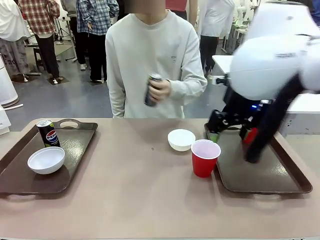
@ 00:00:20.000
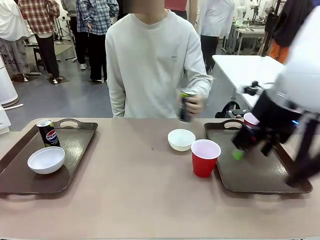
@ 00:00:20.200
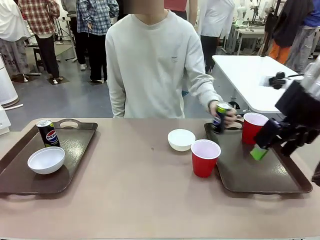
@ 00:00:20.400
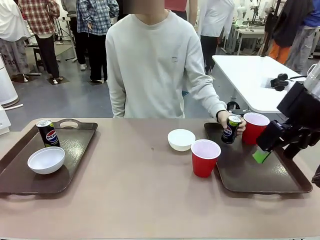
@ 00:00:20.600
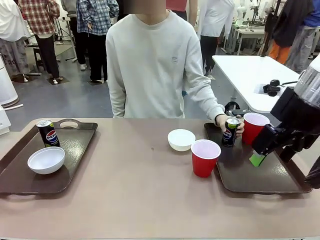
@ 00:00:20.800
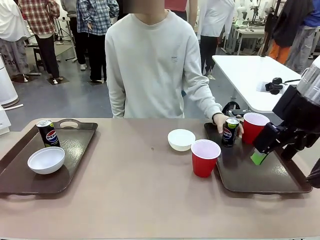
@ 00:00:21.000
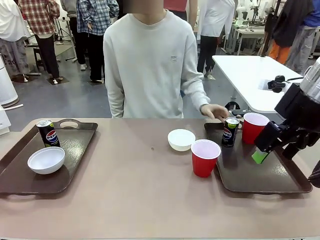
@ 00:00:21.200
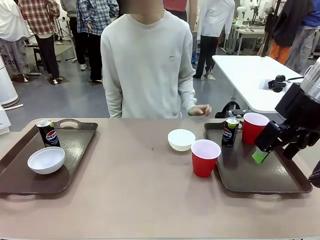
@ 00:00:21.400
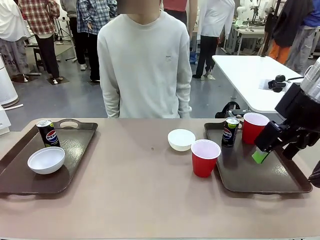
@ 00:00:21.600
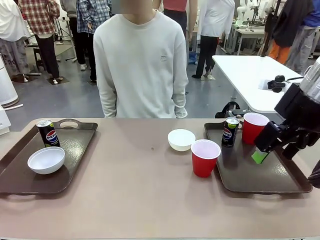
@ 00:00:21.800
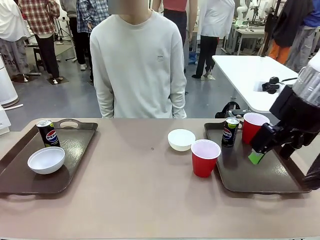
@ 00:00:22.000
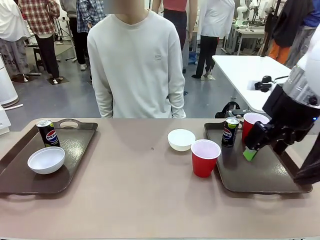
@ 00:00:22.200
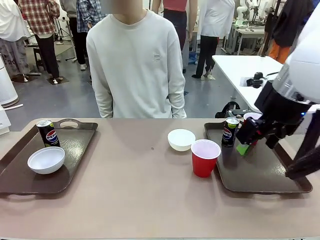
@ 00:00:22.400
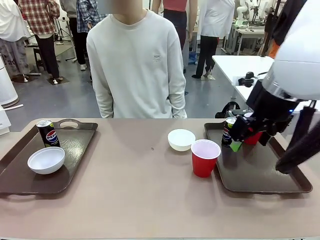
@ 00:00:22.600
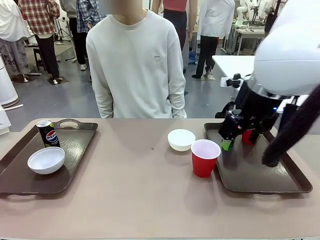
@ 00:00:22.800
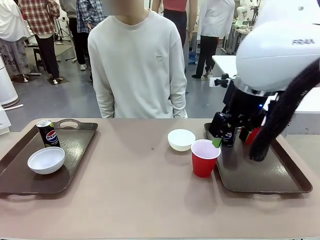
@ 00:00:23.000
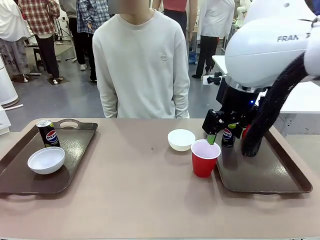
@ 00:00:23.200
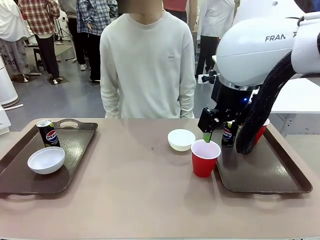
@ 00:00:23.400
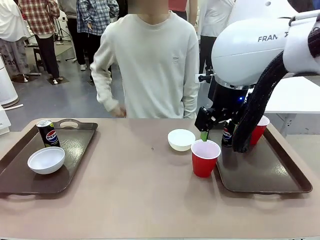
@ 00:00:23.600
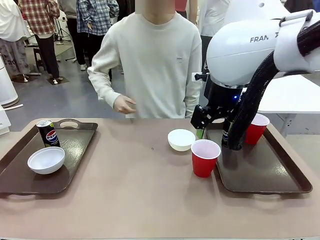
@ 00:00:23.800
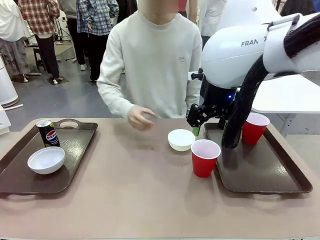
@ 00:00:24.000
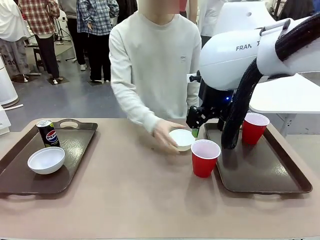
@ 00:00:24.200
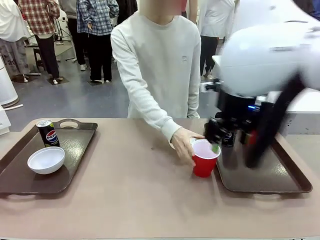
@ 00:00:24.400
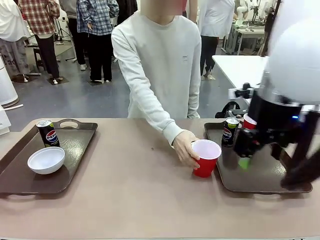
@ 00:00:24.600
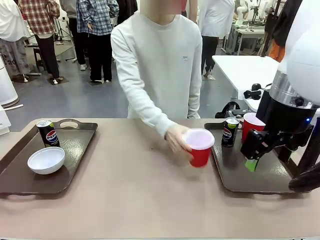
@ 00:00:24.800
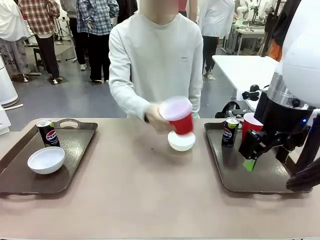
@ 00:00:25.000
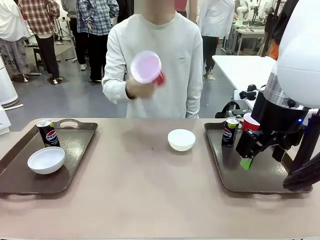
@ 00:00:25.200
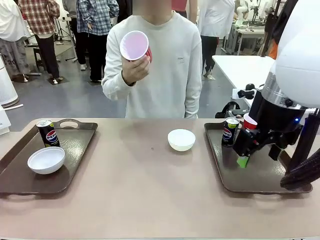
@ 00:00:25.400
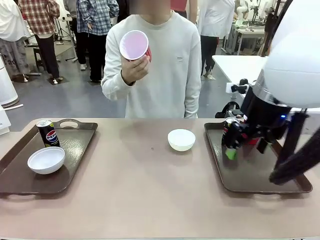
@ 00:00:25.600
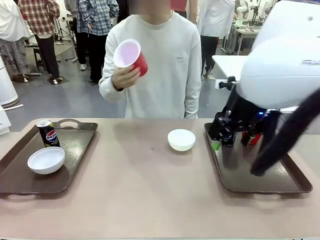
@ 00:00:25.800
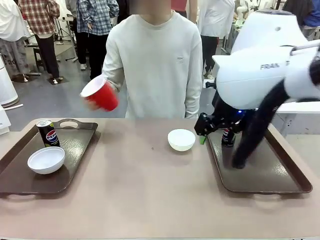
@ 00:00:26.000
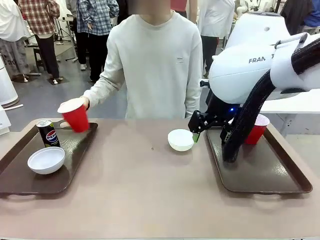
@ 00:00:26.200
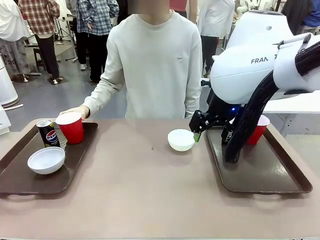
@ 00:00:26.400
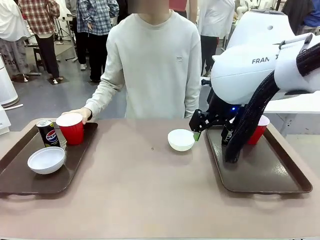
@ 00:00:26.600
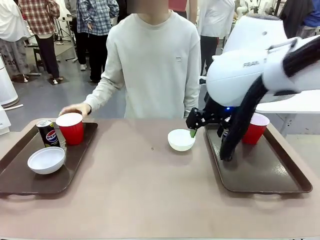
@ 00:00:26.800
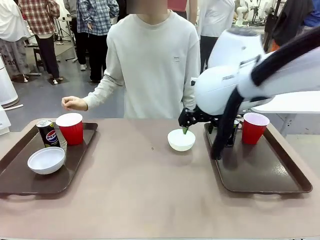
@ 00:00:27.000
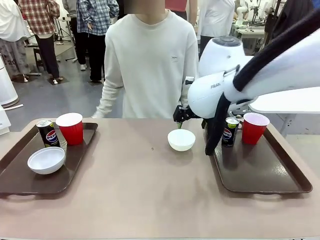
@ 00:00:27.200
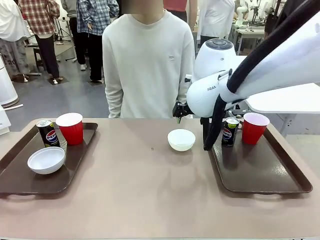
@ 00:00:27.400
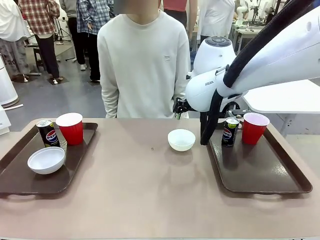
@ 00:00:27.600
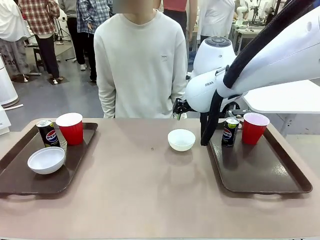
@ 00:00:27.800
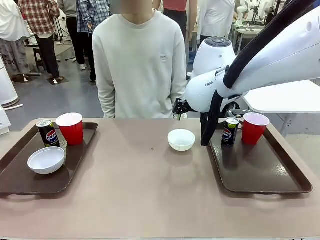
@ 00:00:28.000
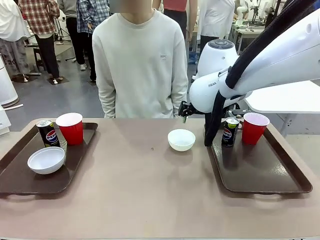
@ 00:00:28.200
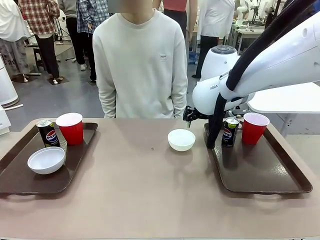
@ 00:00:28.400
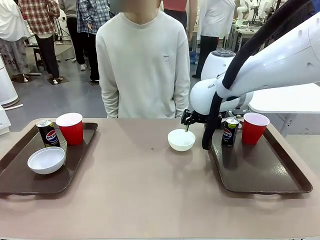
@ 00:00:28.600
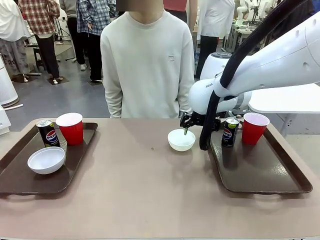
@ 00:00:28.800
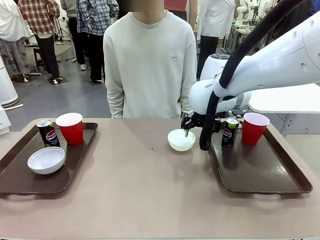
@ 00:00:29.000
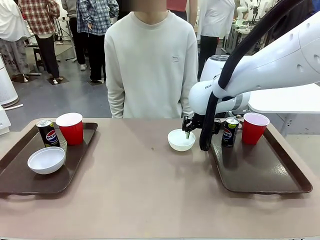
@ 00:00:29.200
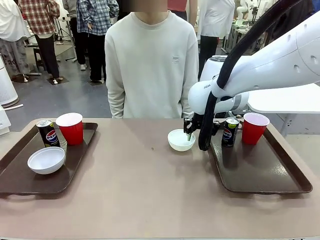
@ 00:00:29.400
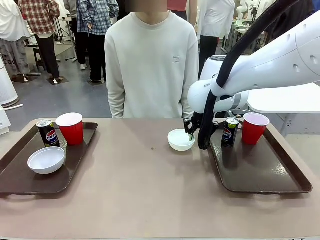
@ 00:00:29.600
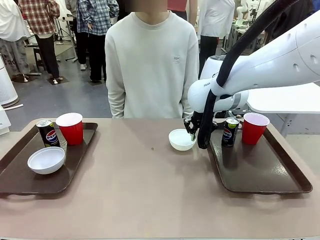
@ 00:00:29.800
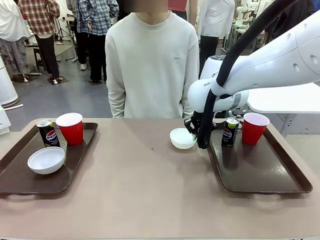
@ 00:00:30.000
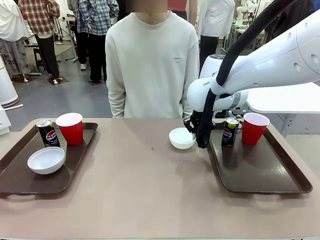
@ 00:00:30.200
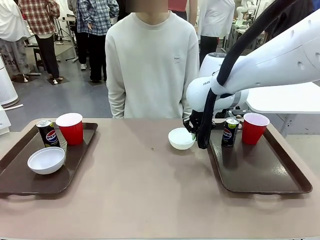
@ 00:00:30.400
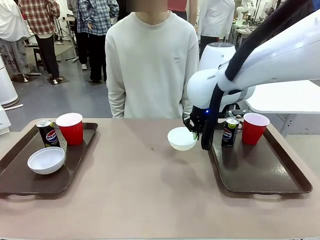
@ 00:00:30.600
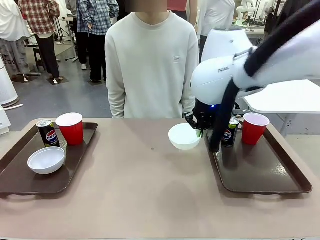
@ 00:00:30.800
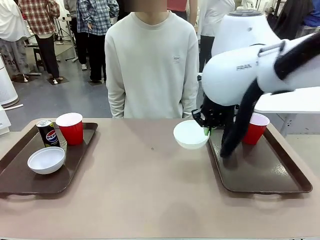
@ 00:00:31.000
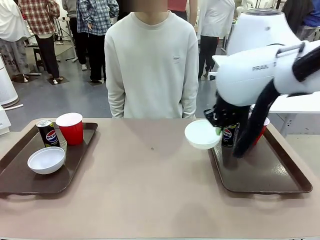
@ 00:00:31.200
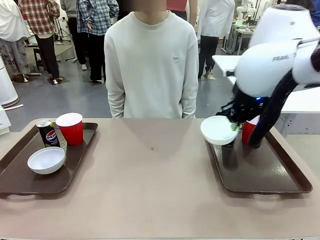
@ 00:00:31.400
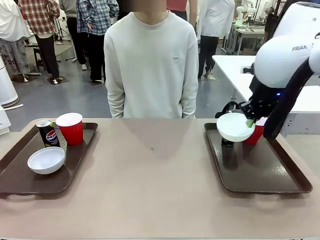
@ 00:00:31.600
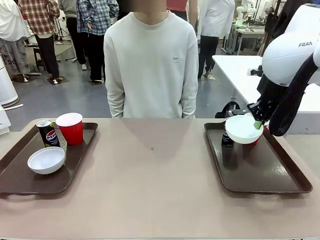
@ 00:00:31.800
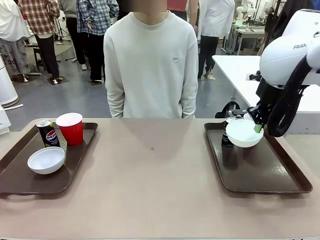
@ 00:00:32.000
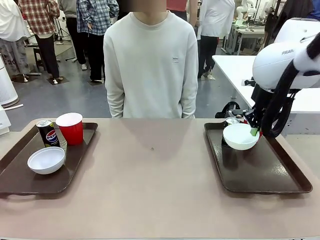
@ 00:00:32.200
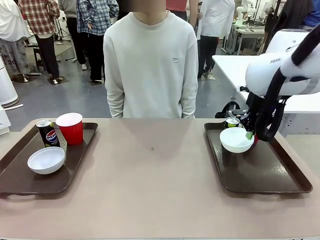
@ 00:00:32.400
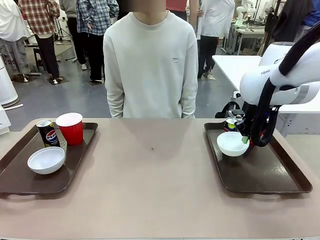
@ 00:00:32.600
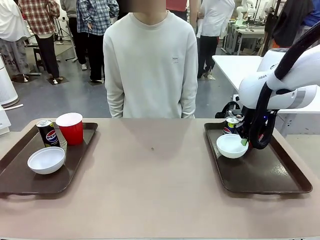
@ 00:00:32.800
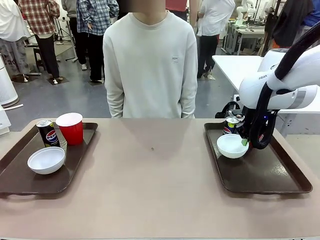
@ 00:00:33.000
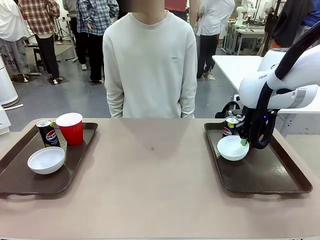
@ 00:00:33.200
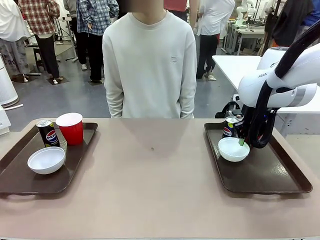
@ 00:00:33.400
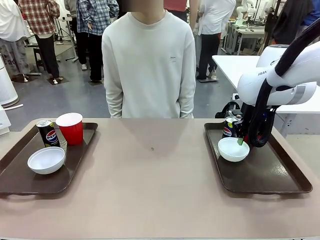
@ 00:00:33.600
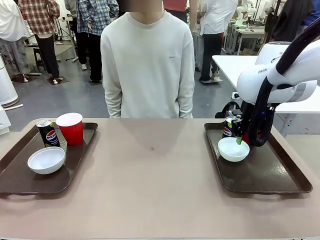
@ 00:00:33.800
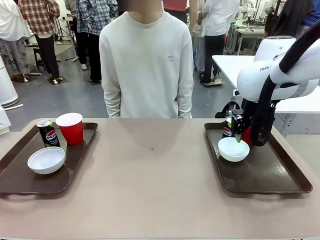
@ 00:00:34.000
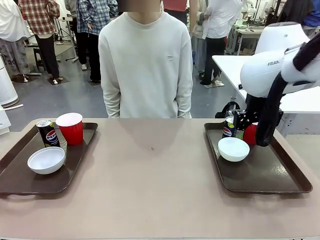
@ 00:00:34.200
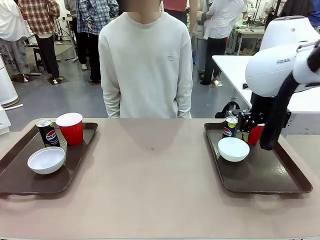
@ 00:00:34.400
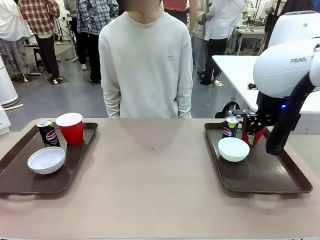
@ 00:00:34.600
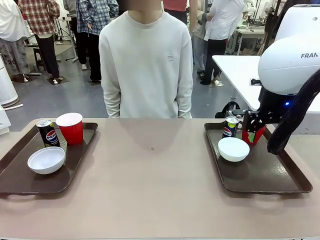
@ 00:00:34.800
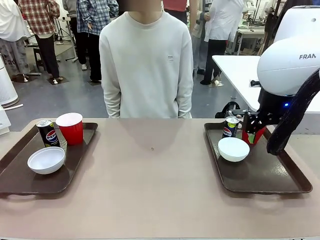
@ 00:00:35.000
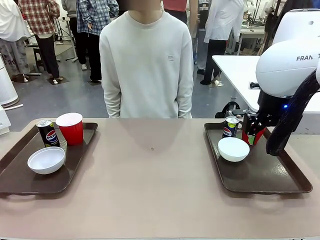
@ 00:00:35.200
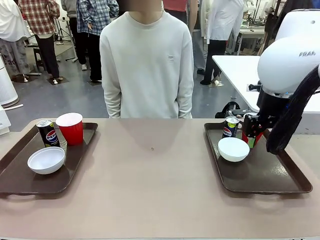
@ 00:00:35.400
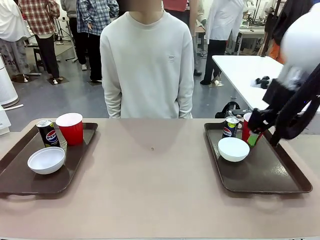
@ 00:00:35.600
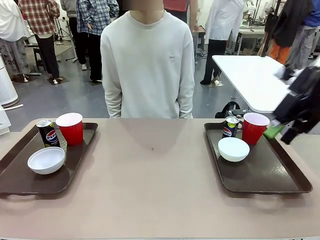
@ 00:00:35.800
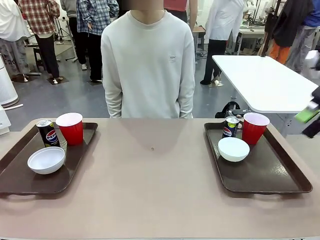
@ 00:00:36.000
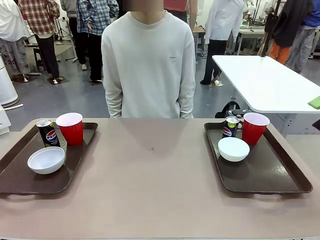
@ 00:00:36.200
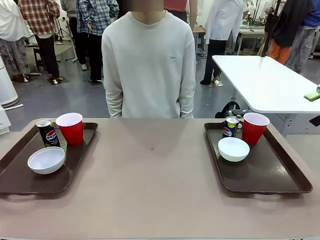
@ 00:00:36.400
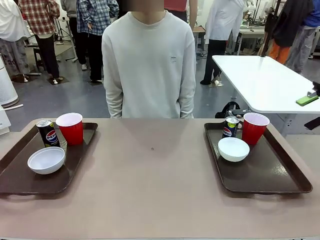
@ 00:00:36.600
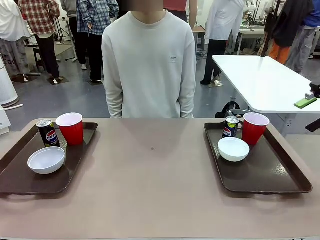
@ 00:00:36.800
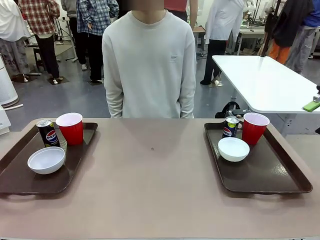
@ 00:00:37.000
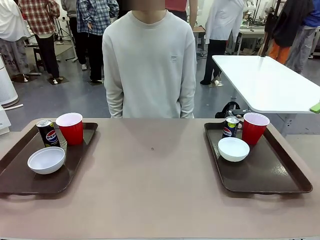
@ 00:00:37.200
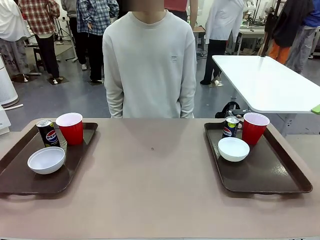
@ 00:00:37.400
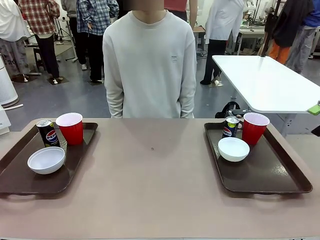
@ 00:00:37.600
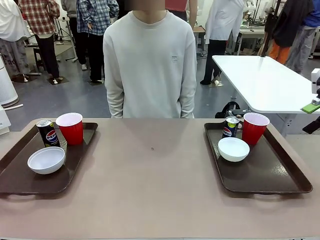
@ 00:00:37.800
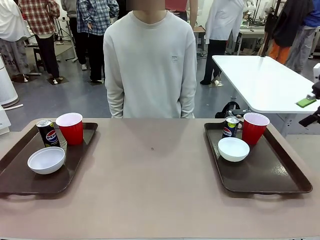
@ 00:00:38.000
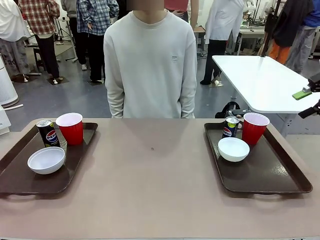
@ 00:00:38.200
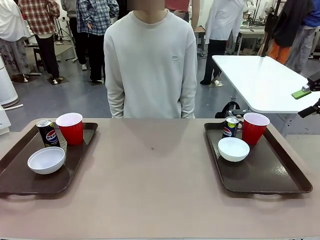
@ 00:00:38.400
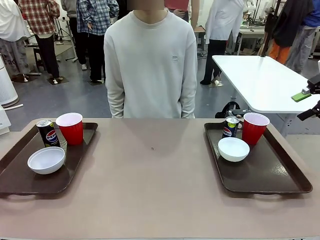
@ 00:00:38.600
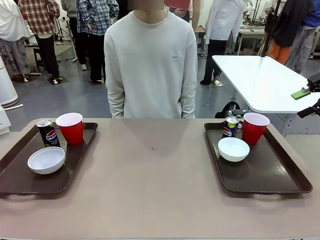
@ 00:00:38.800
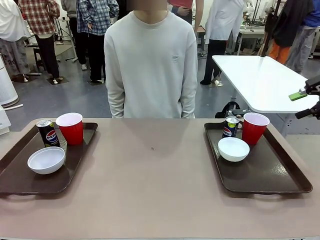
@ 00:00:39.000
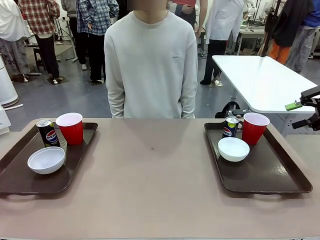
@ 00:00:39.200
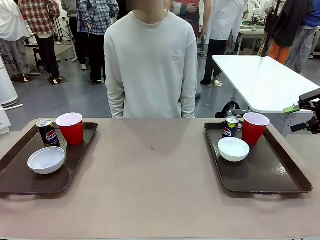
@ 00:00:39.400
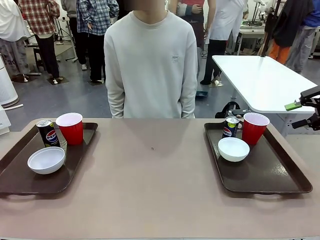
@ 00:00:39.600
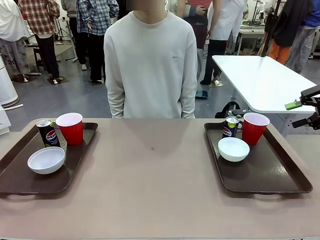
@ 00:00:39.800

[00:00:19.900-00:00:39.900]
Task: Prepare tableware on both trays.
Robot: Pick up a Picnic Bowl from the table and place it on a Handle tray.
Person: Pick up a can or cup and place it on the tray without a can or cup.
